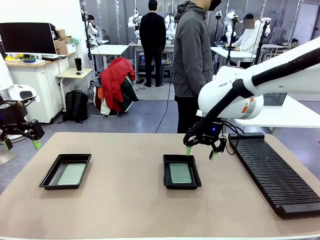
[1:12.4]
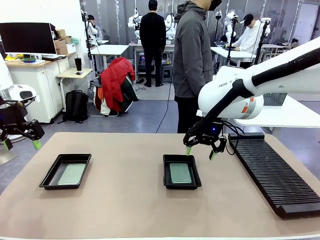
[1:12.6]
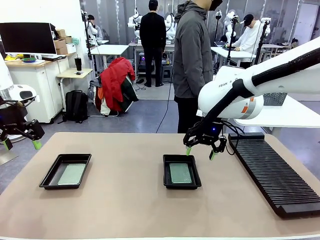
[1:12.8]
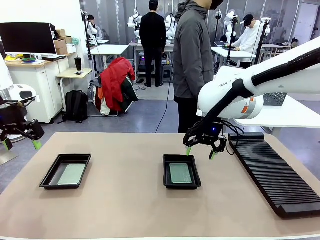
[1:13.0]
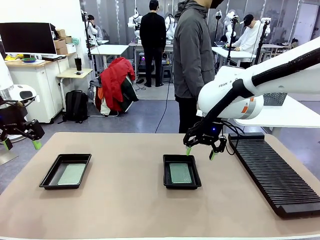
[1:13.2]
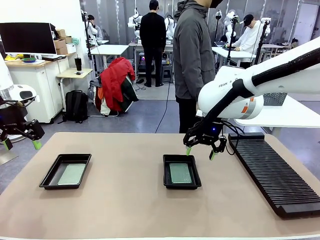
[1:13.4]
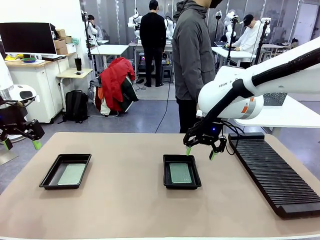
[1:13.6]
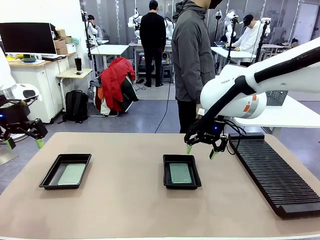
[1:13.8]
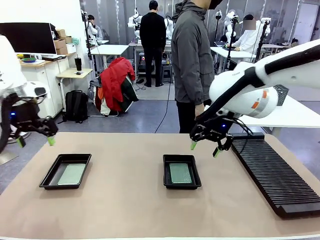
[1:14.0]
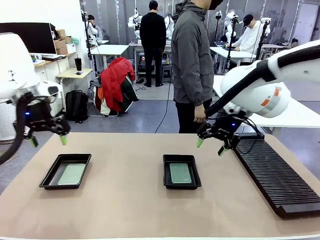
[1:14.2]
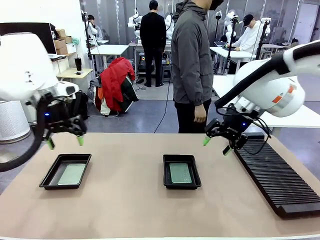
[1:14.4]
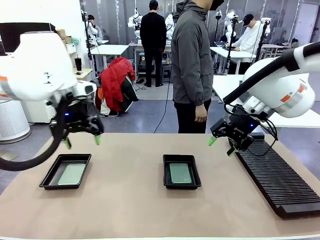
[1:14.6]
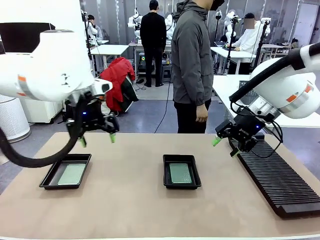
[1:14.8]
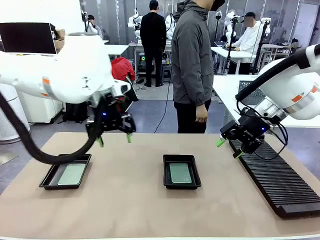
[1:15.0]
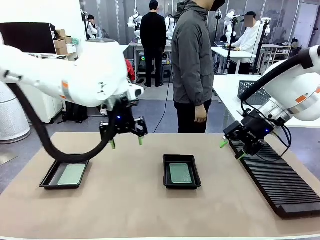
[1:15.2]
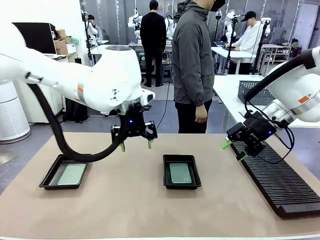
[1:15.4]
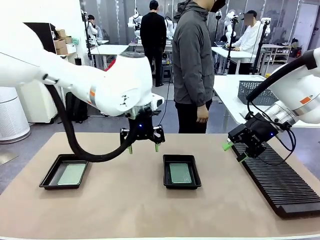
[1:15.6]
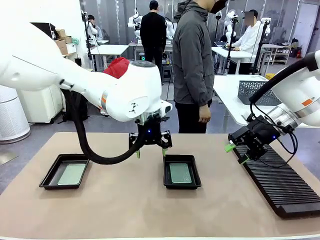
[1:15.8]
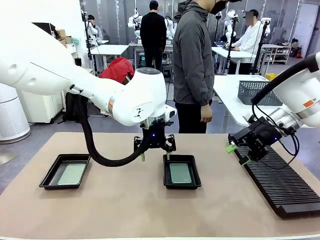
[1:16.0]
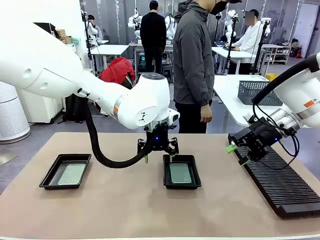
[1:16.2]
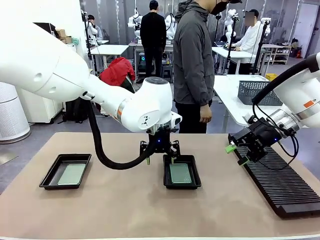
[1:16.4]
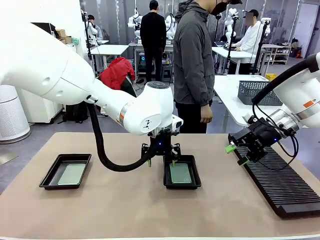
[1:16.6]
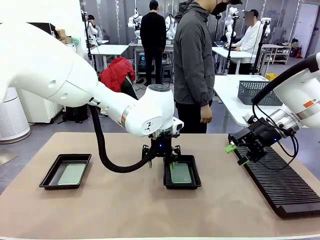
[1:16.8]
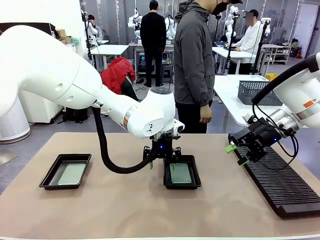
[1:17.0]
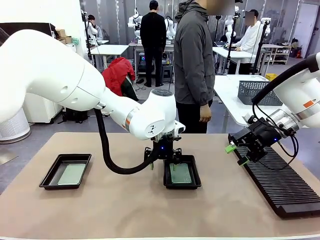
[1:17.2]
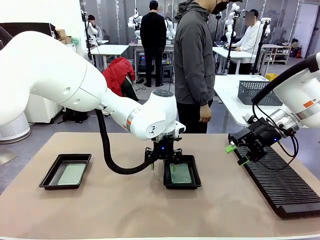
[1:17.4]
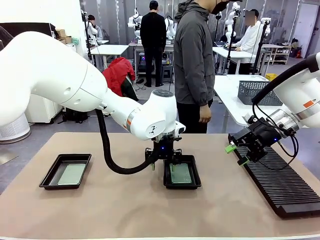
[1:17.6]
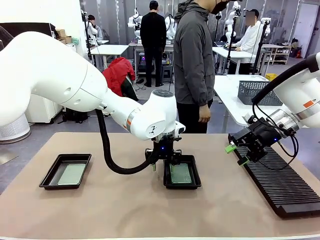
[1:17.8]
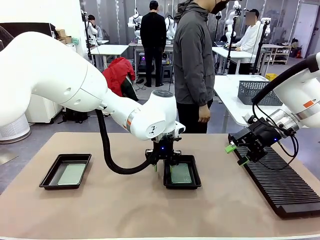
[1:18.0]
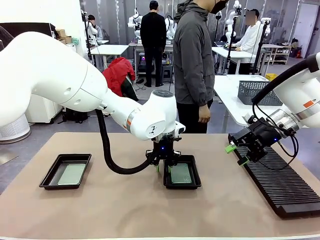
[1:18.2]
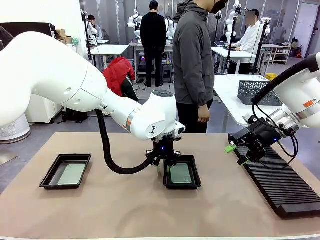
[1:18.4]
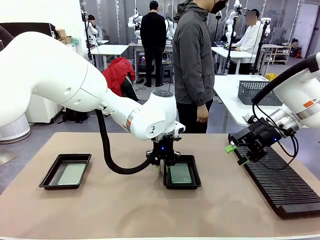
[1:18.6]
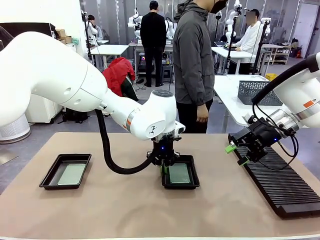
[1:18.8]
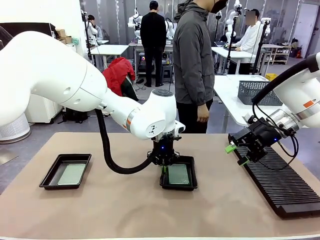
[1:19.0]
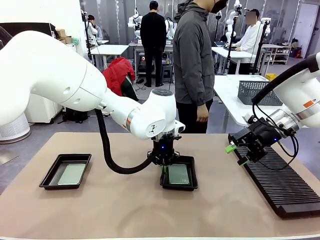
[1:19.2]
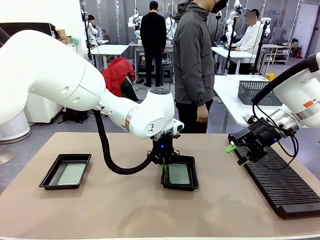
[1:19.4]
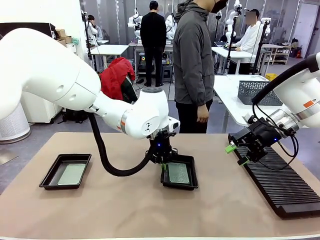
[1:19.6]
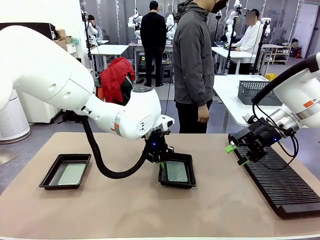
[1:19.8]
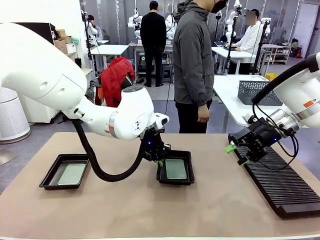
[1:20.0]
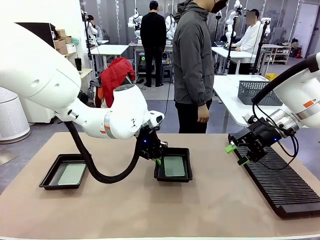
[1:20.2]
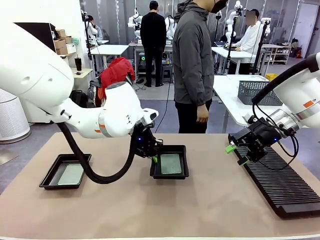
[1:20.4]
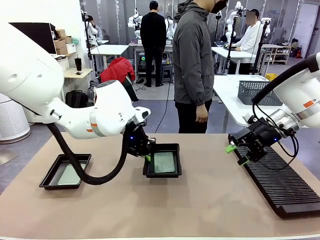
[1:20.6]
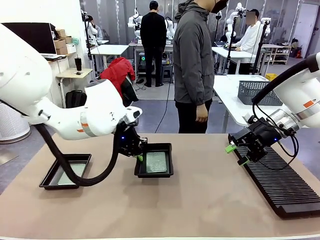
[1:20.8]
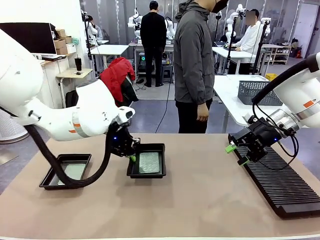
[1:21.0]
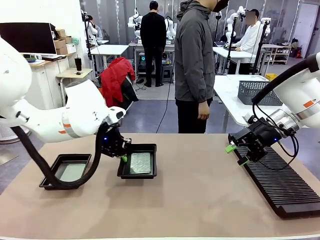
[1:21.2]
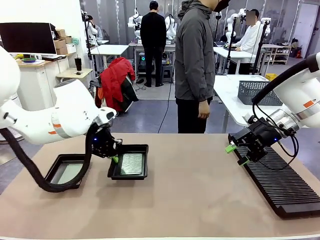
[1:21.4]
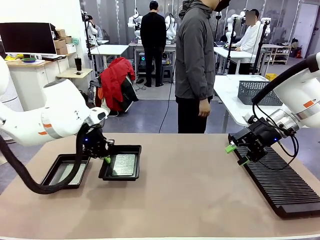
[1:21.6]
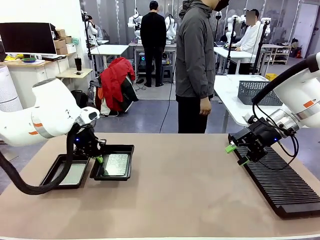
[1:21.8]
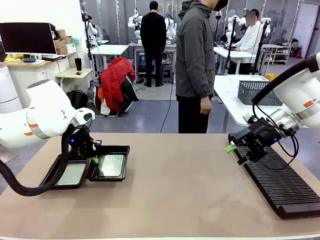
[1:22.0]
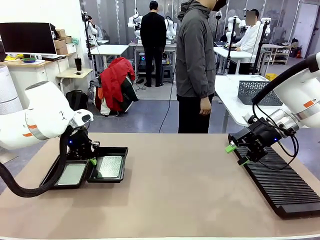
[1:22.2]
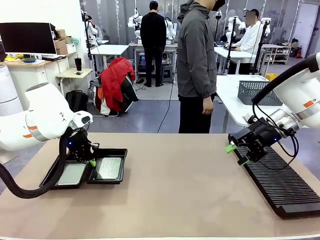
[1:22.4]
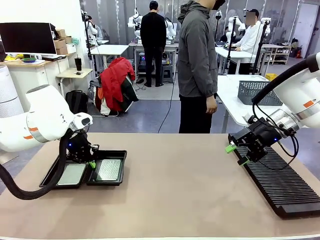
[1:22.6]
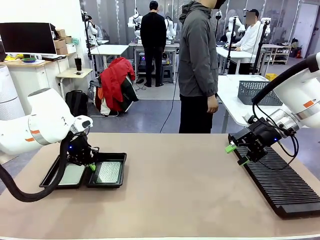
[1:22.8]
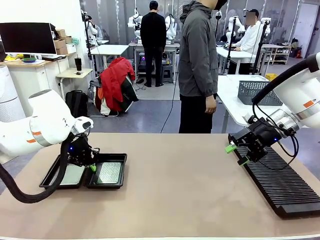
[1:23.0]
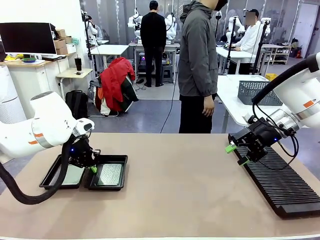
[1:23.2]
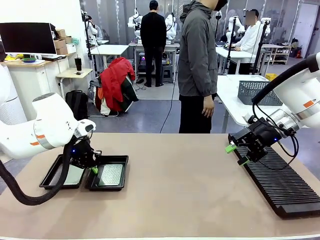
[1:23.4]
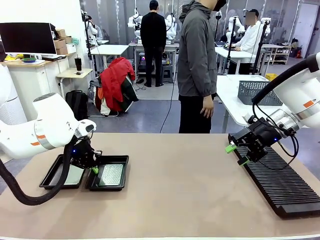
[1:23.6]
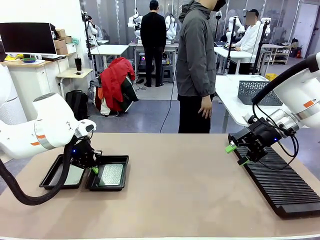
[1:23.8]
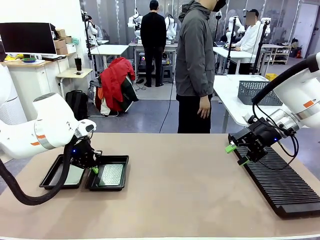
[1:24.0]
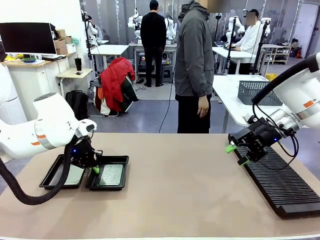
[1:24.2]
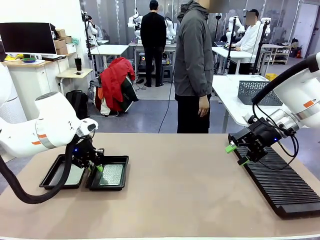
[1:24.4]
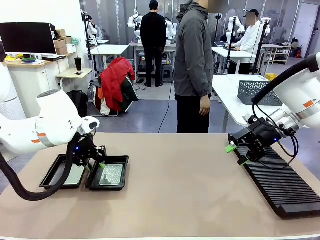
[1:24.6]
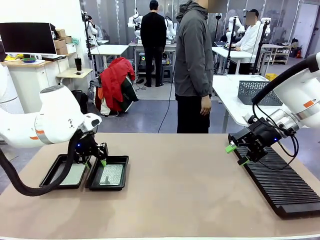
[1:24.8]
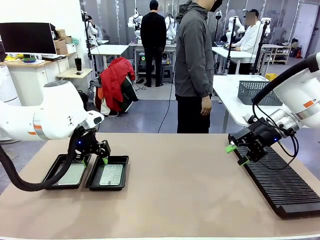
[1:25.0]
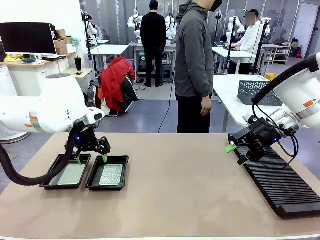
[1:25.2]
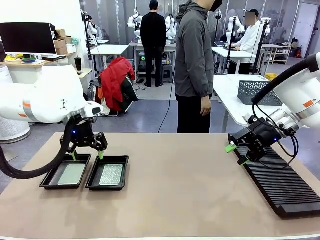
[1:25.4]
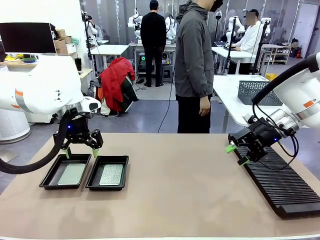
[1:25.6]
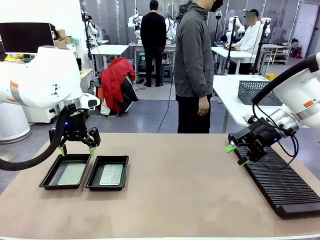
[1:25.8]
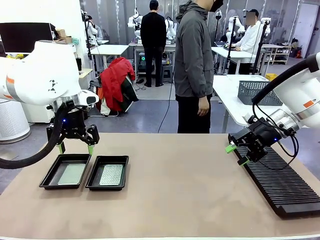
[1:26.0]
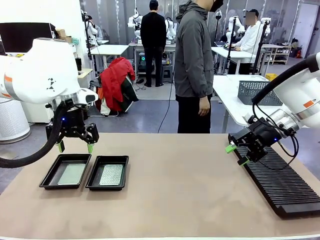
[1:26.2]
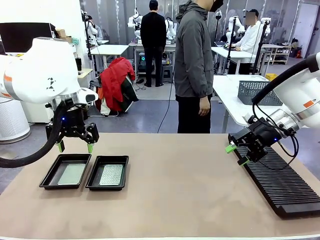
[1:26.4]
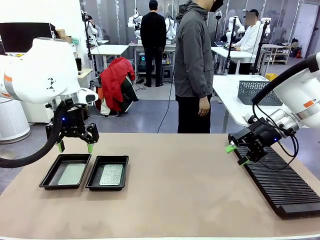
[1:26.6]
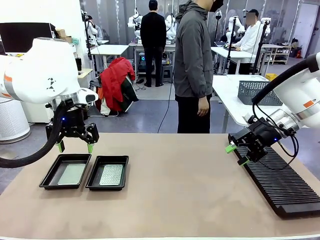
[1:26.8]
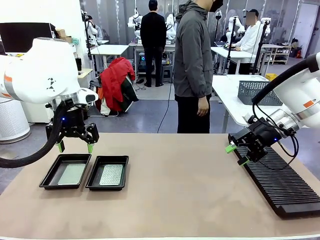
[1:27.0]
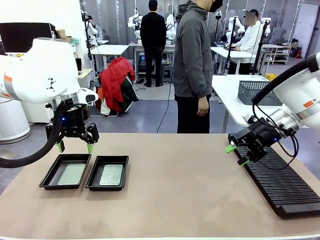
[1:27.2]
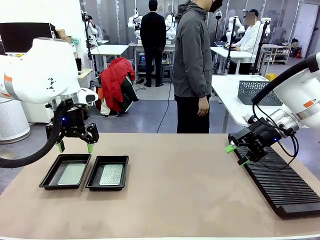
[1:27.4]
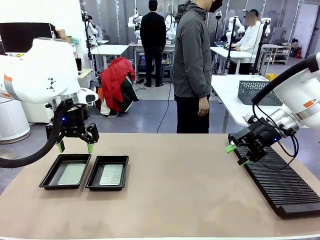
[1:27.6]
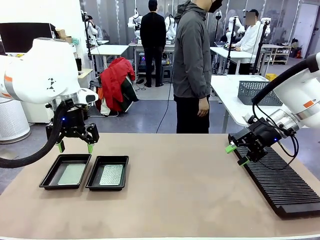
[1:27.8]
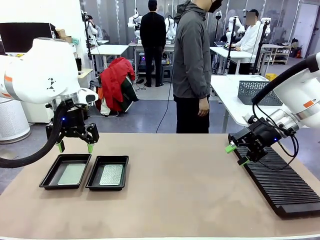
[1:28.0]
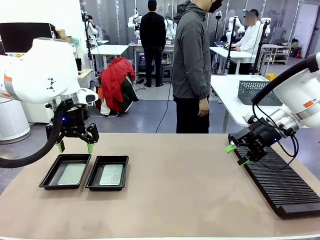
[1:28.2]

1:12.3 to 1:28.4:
Task: Inspect and transfer BCBs to ESD trays.
Robot: Pick up the ESD tray and place it on the left side of the table.
